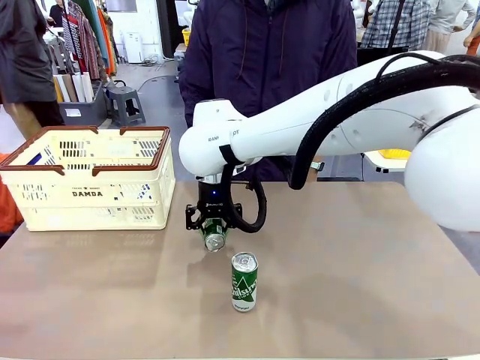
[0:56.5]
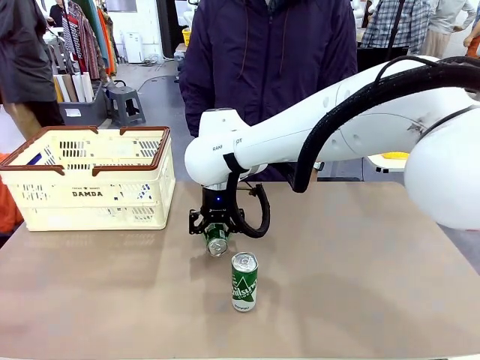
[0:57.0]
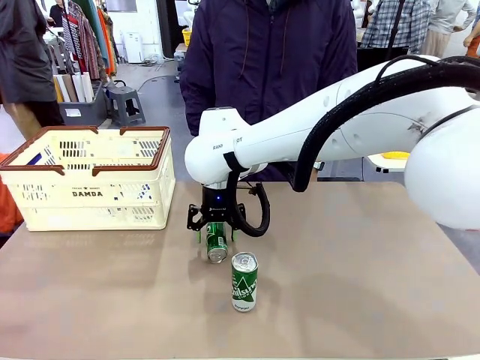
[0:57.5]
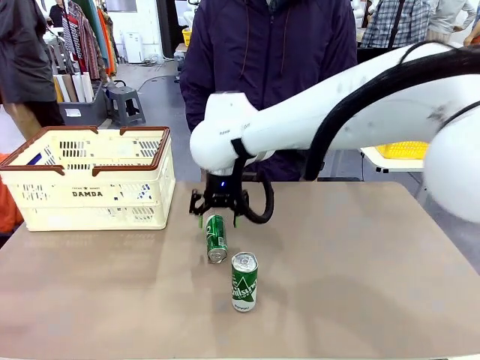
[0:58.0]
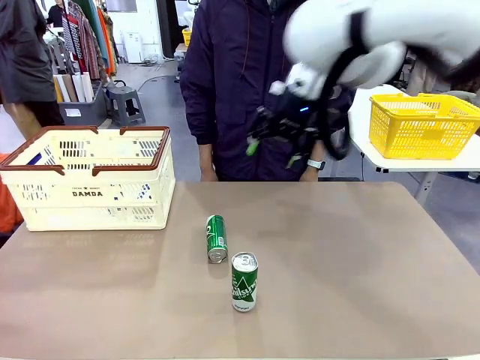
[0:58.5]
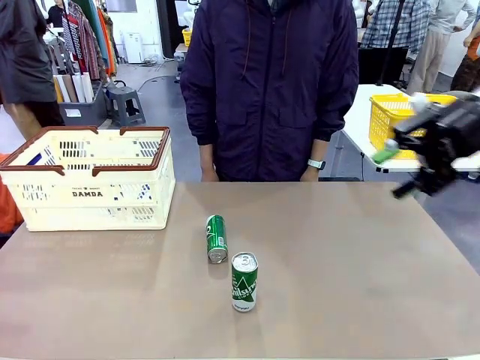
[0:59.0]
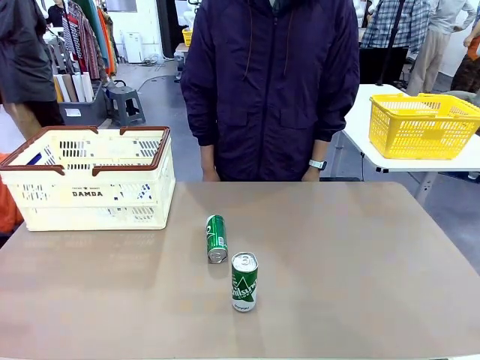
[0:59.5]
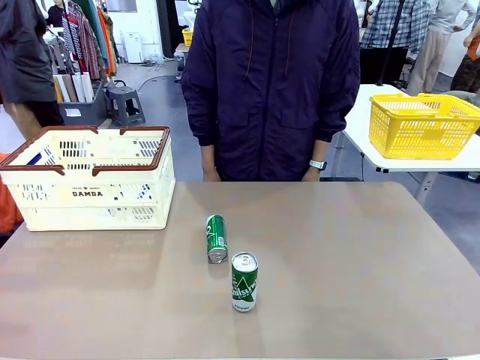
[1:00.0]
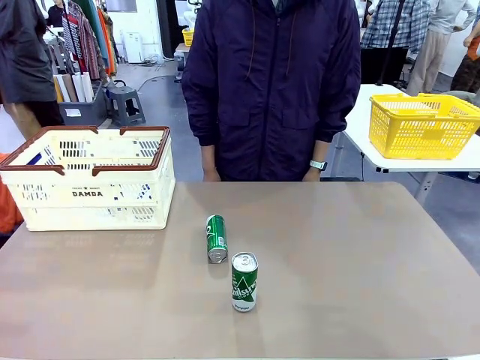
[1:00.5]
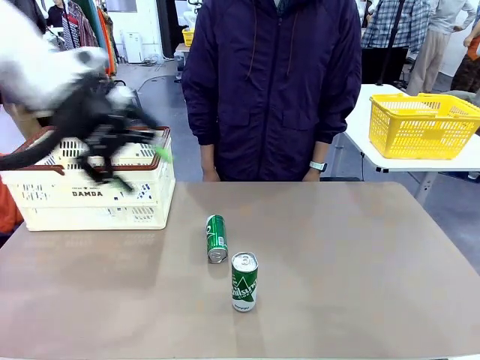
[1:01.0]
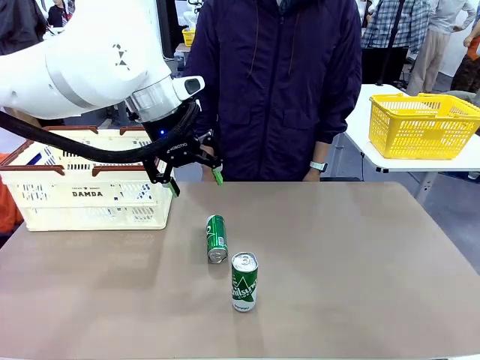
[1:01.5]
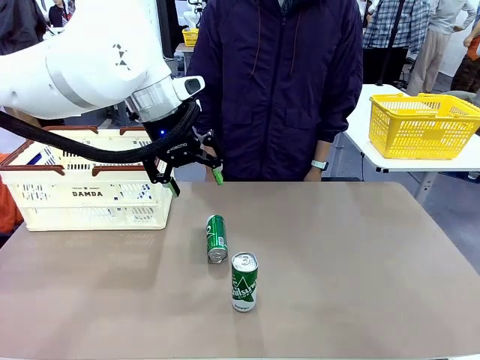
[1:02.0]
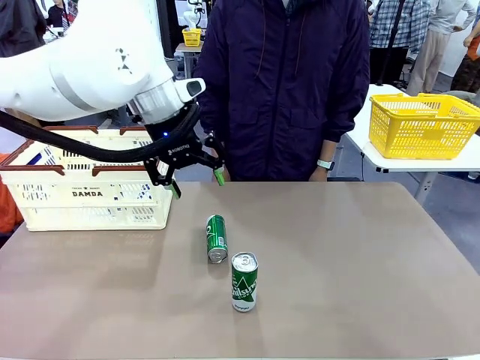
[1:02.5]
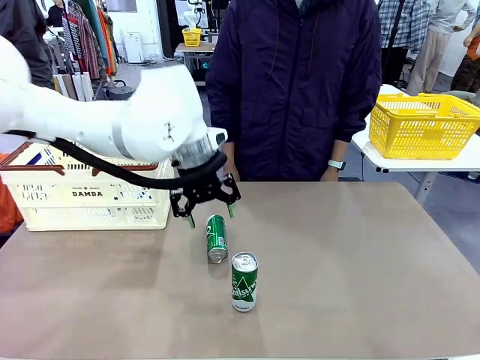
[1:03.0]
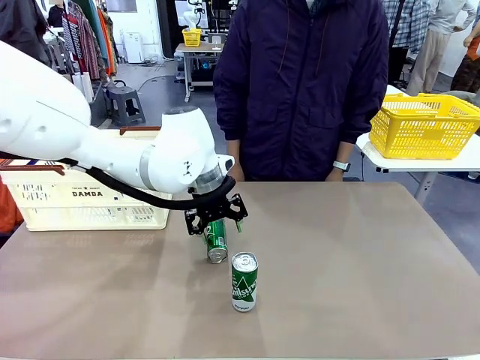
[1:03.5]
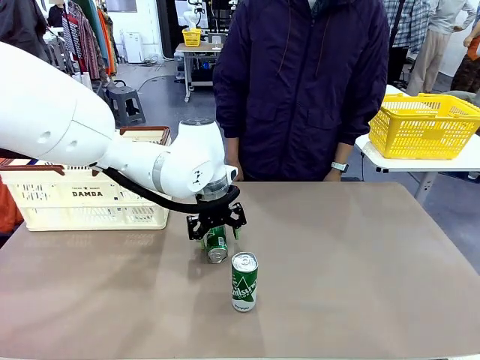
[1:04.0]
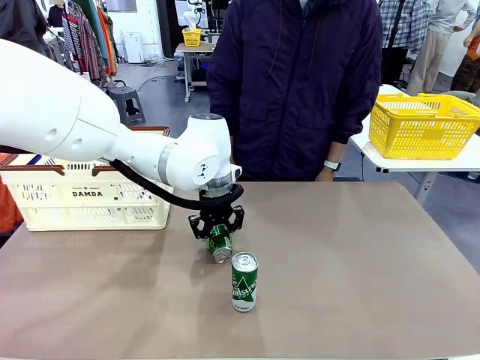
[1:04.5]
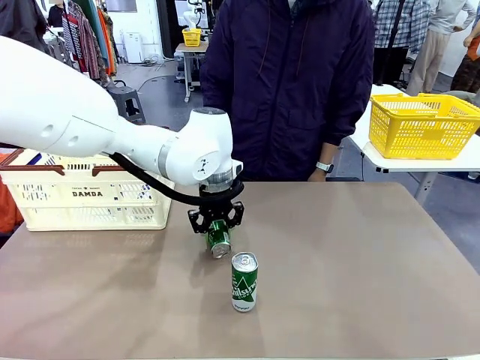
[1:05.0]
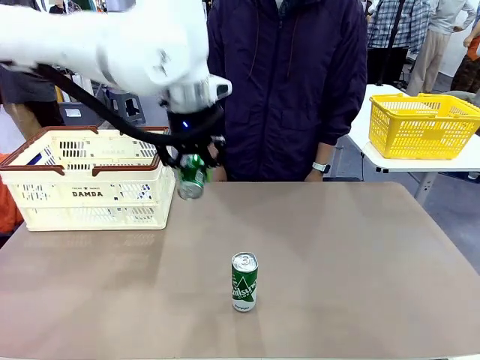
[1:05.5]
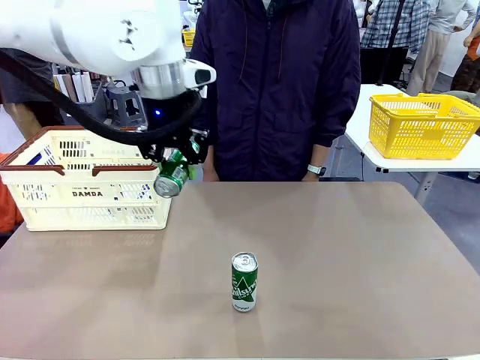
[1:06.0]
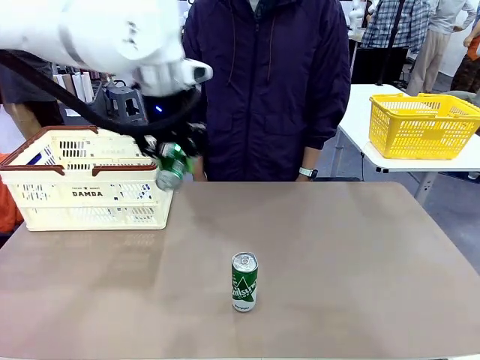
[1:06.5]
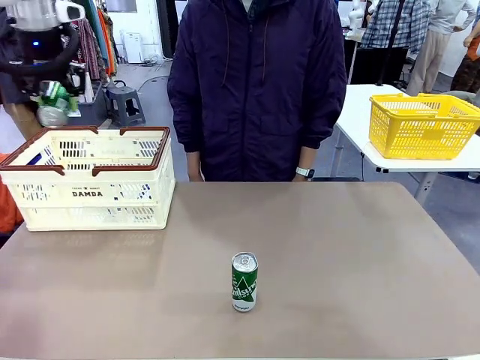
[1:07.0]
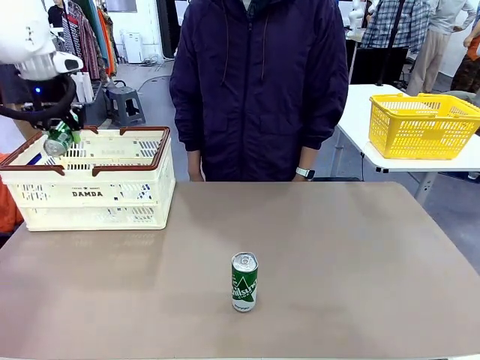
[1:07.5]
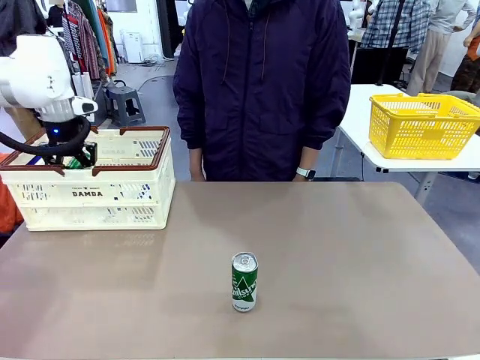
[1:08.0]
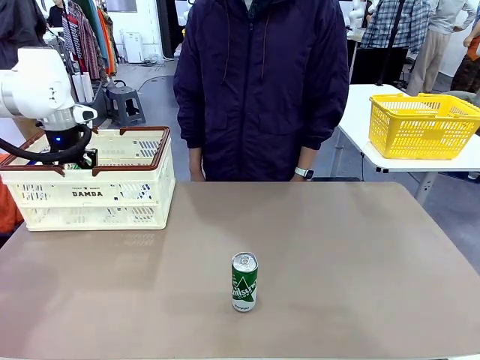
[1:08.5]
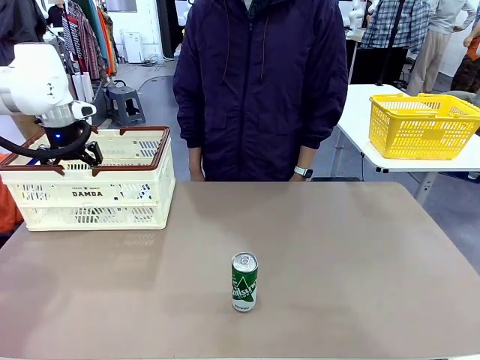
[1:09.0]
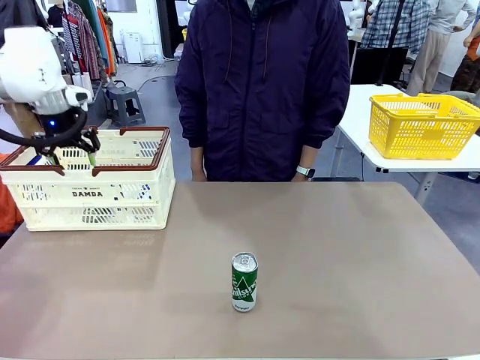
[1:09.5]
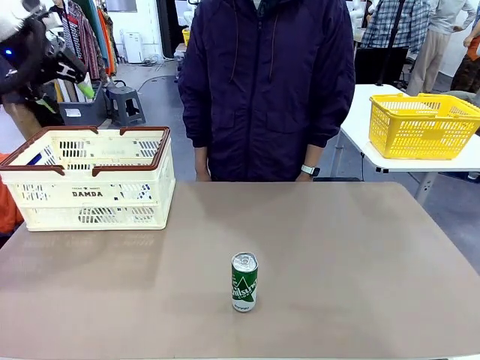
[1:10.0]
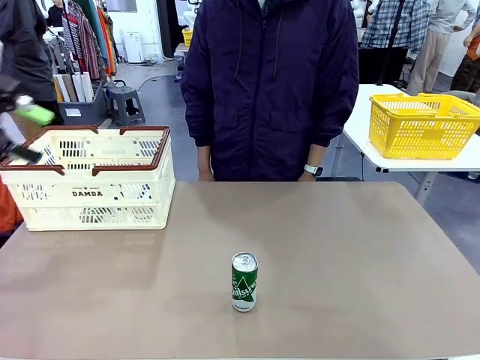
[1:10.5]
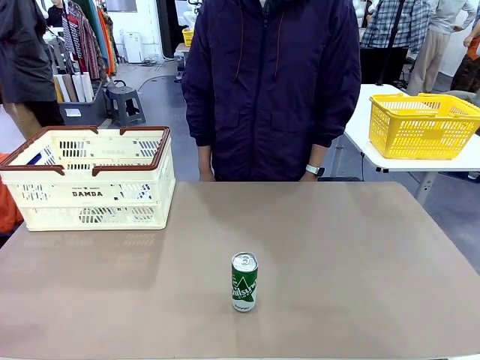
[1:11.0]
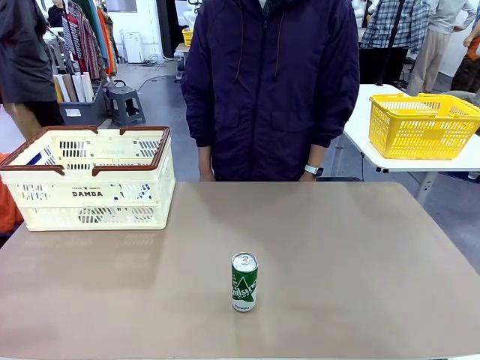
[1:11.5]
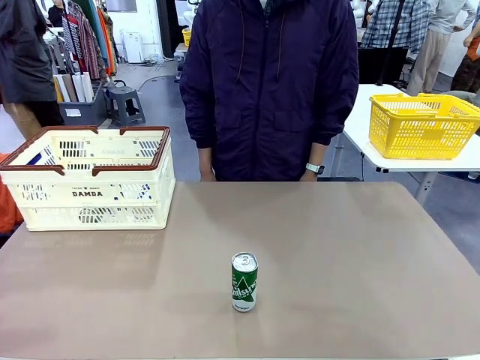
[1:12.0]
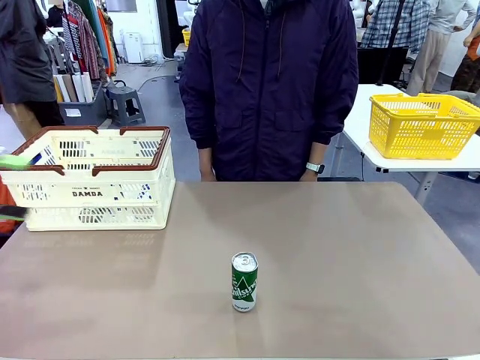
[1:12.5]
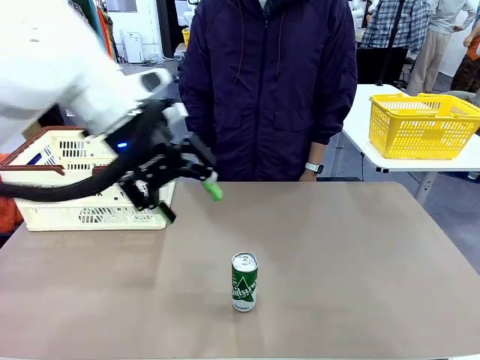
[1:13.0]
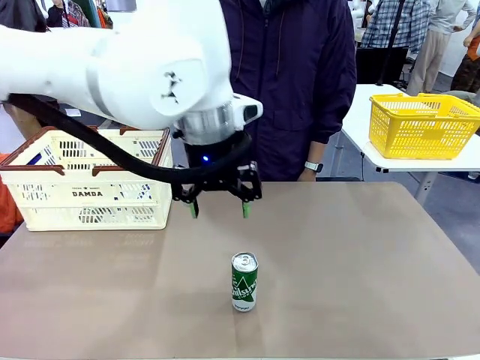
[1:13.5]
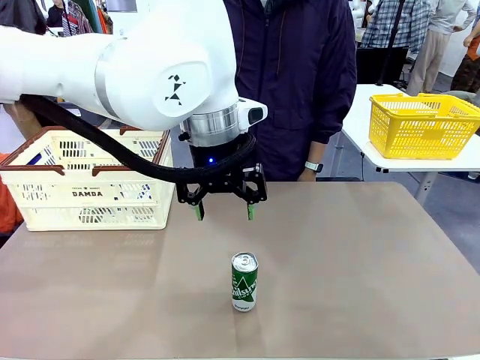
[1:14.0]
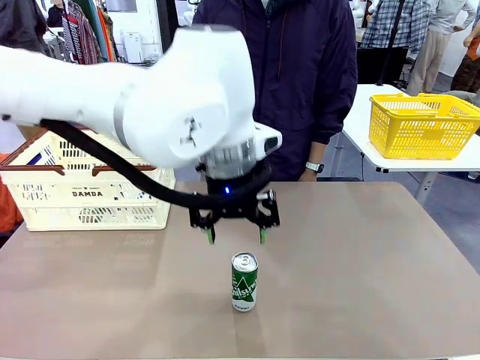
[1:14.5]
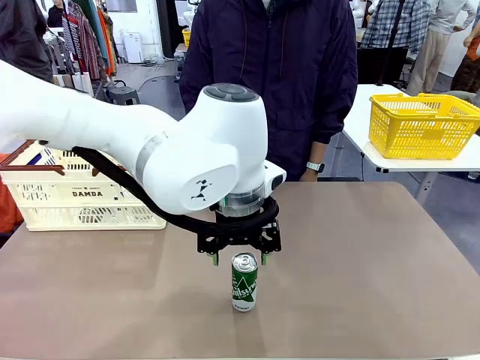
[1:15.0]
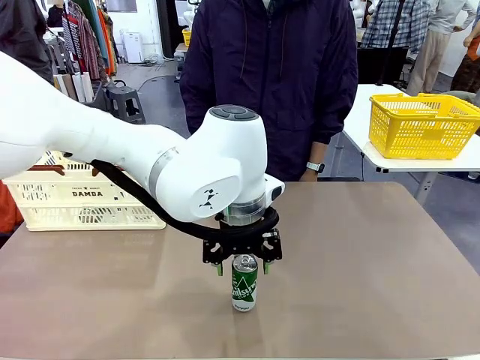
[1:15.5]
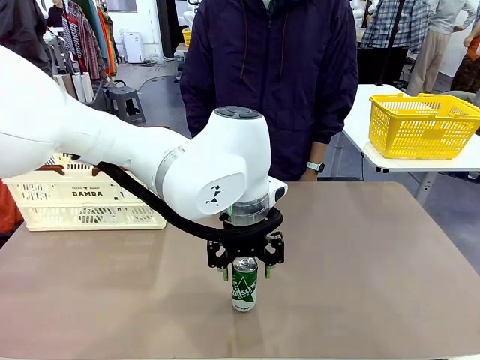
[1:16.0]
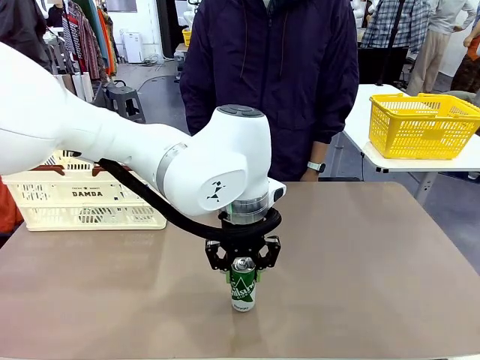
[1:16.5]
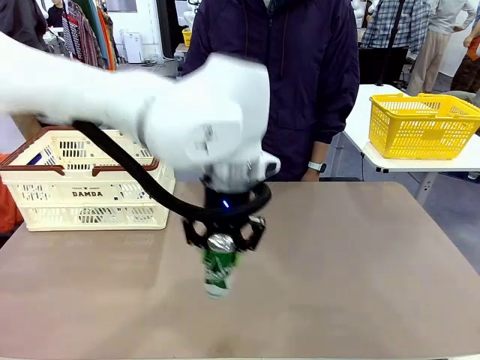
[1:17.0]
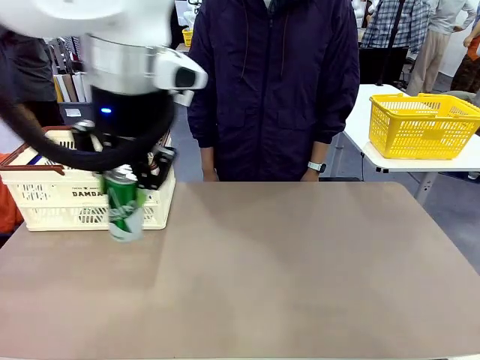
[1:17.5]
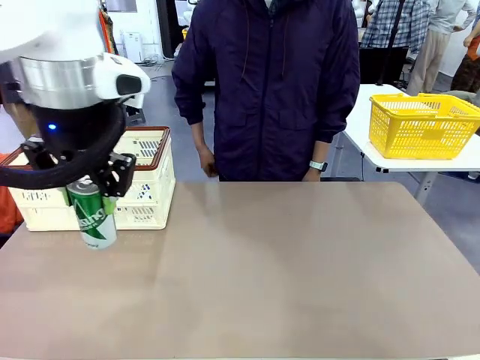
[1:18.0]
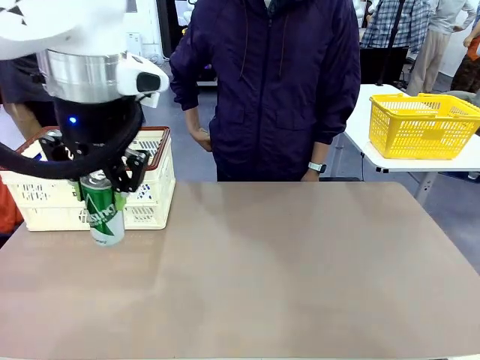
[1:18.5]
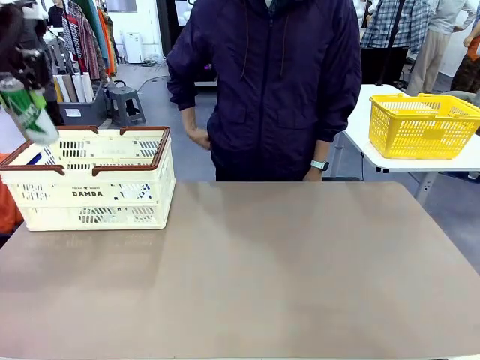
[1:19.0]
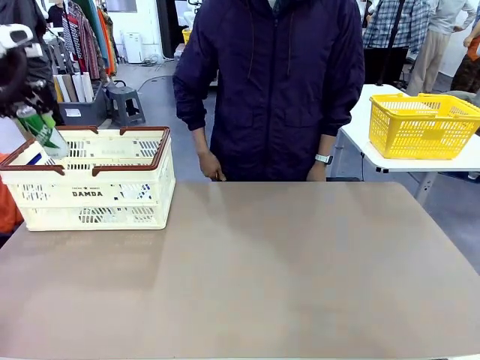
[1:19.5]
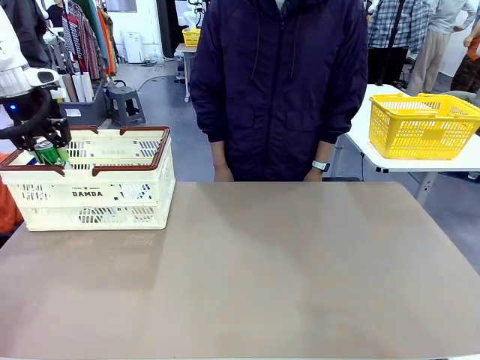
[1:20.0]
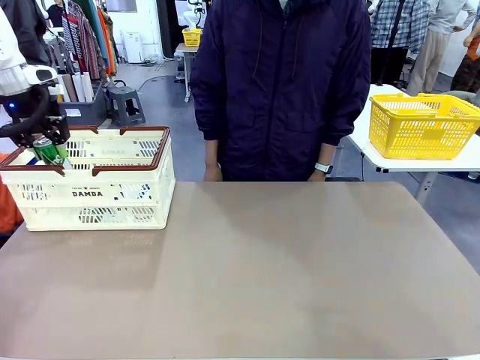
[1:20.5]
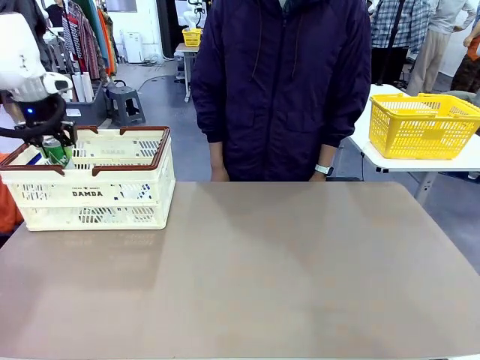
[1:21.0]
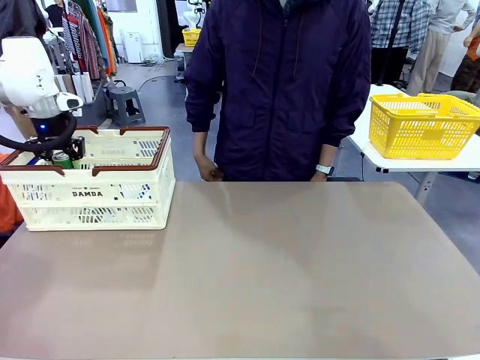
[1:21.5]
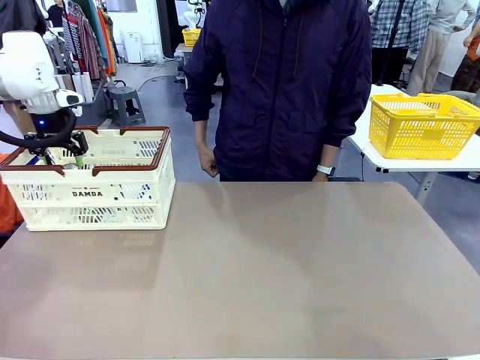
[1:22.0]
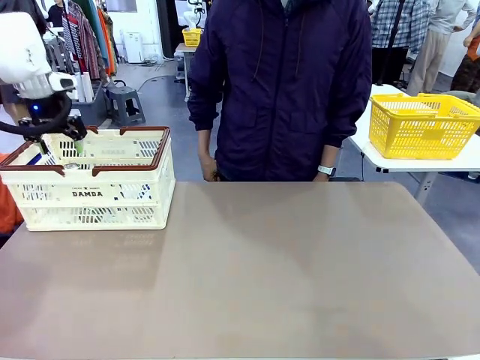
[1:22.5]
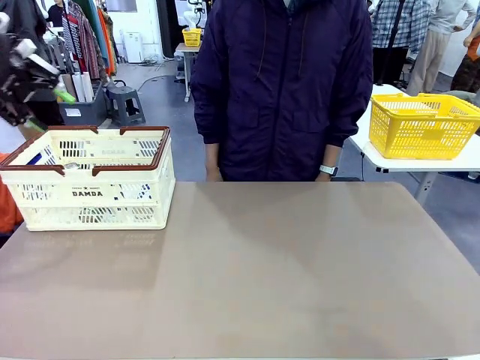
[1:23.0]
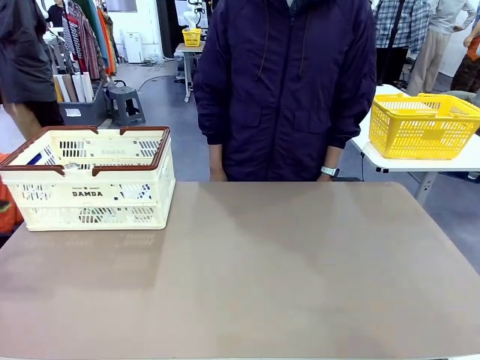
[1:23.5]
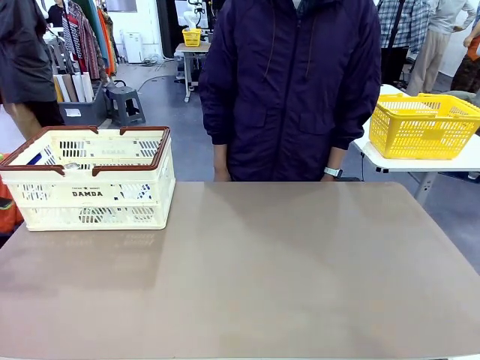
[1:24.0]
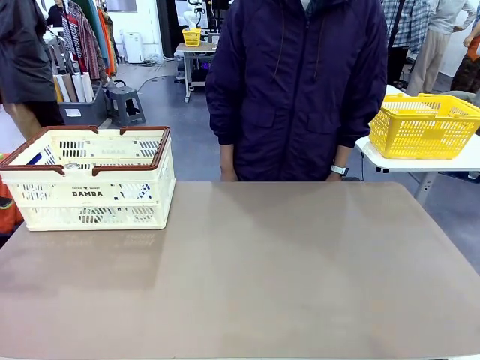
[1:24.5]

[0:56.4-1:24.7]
Task: Place the drinks into the Shopping basket.
Robot: Pick up one drink and place it into the Shopping basket.
